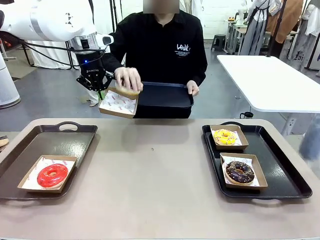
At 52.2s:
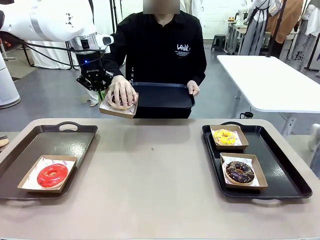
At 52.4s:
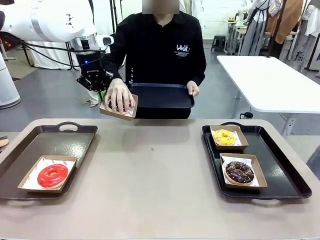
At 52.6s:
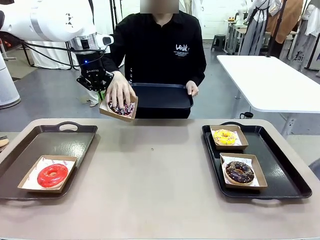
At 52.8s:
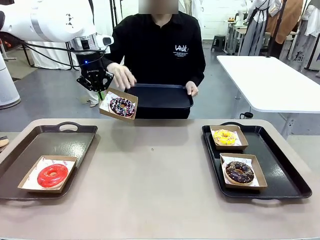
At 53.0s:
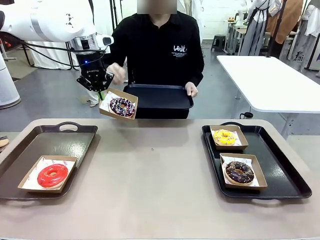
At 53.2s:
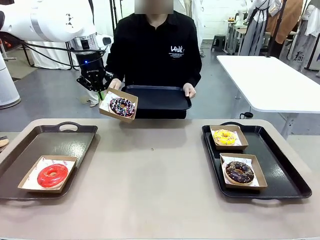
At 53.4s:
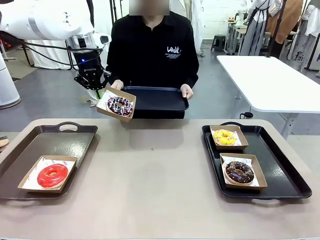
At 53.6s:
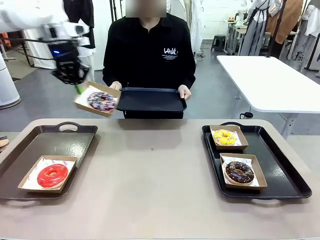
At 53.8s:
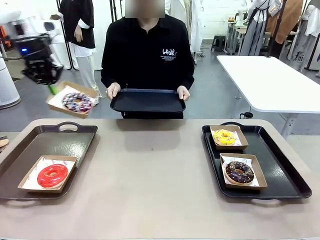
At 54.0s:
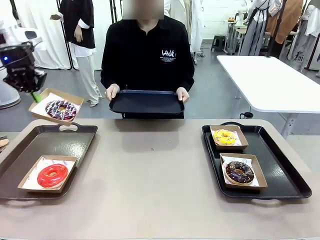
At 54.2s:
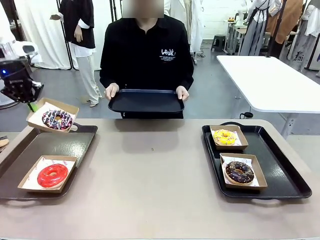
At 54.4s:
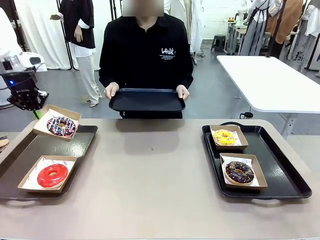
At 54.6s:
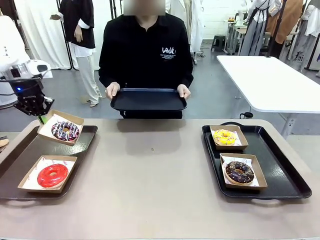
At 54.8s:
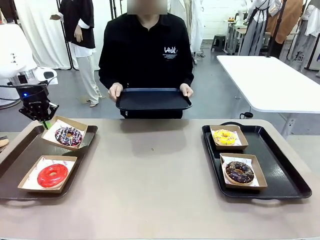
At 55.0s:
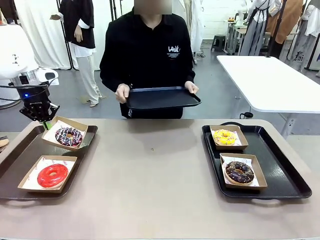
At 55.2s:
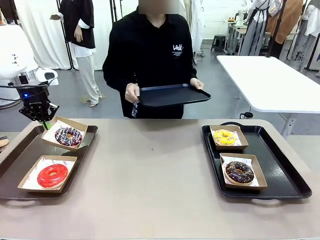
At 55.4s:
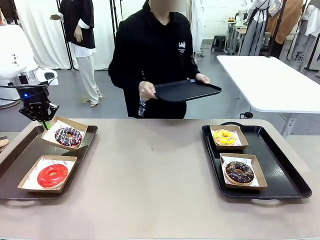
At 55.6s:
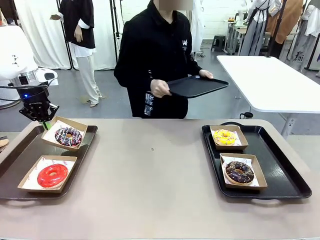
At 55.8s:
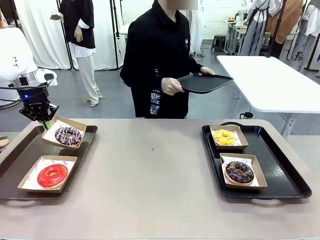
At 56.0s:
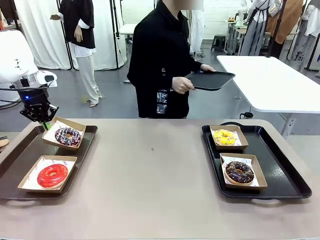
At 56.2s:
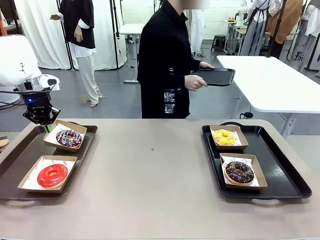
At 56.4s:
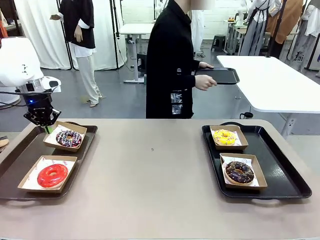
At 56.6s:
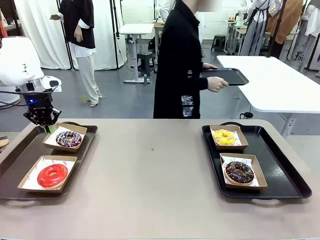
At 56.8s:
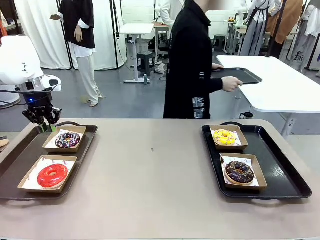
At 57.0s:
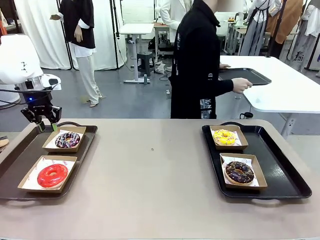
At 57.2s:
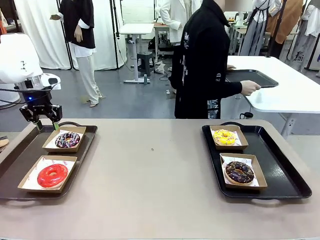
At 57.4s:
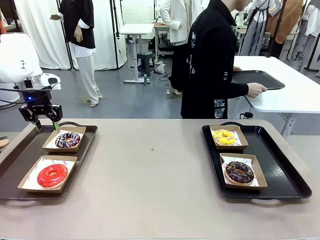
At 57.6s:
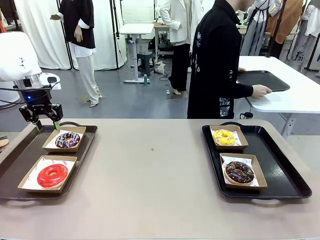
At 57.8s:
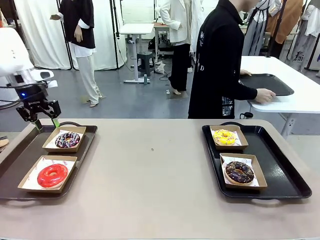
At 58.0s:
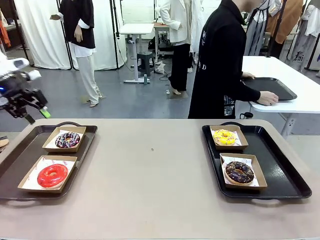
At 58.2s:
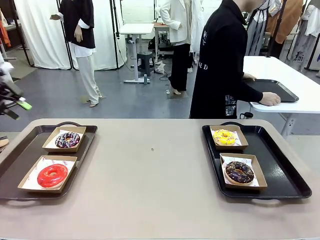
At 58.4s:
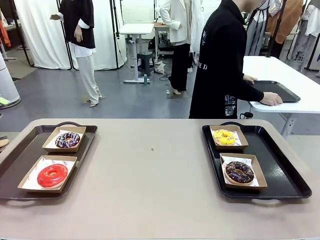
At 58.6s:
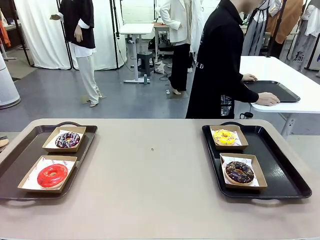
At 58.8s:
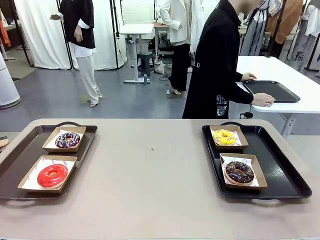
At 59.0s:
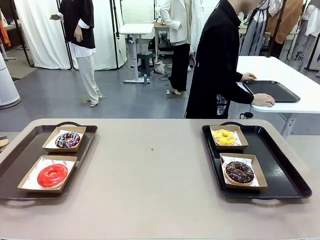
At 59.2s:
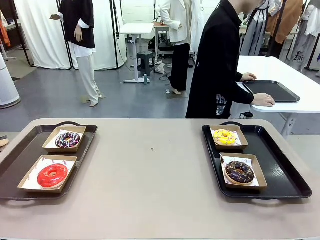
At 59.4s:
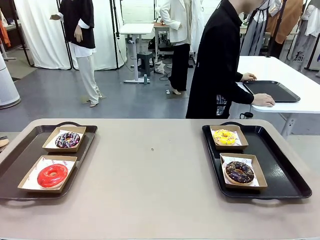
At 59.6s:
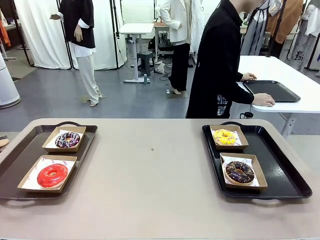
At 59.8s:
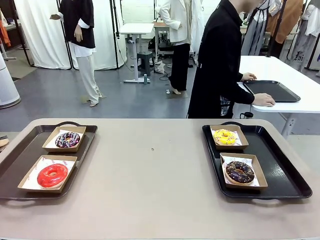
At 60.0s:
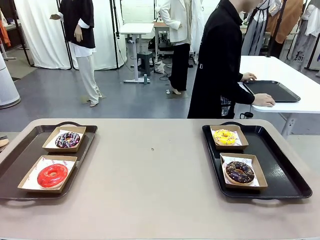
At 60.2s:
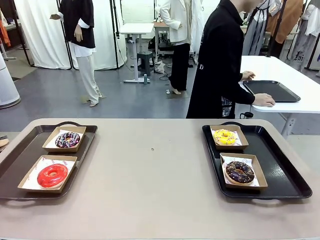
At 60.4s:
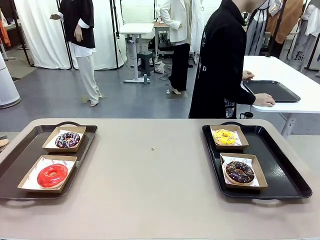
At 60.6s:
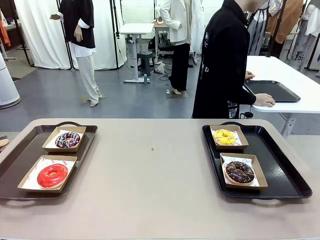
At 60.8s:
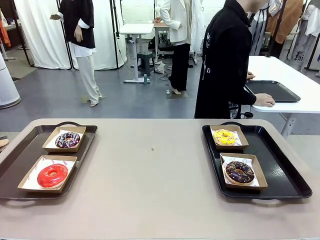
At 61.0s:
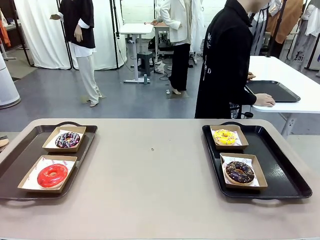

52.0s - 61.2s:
Task: Individually package the donuts and arrange them on the tray.
Robot: Place the picked Paper togo box on the Handle tray.
Person: Place the tray down in the middle of the human table.

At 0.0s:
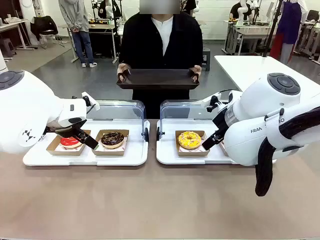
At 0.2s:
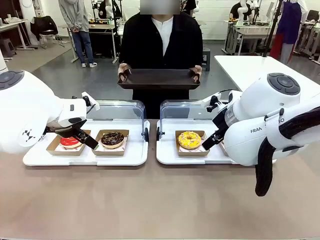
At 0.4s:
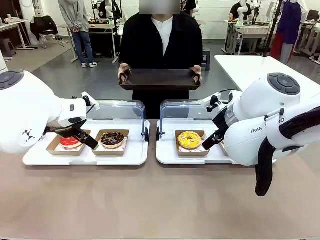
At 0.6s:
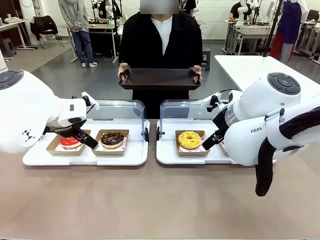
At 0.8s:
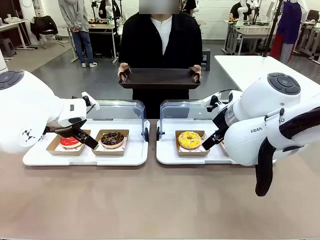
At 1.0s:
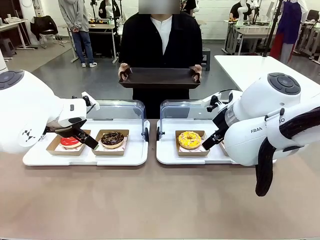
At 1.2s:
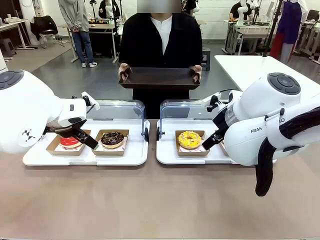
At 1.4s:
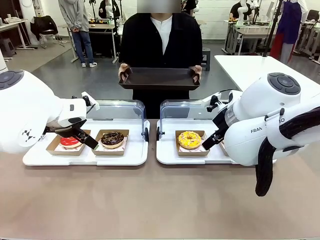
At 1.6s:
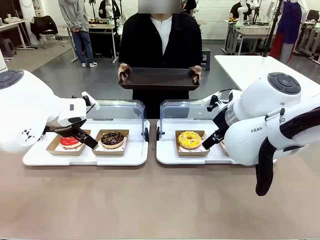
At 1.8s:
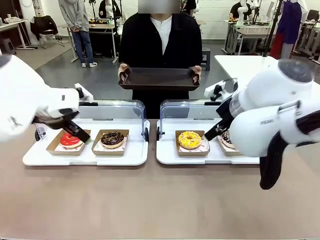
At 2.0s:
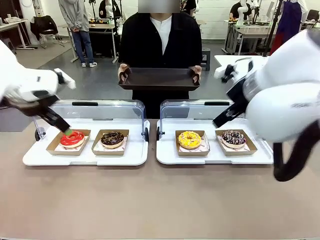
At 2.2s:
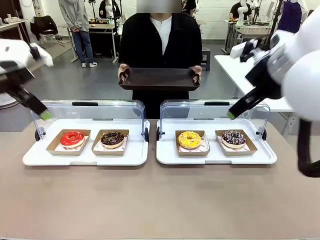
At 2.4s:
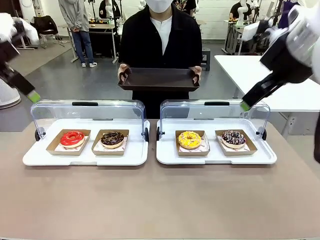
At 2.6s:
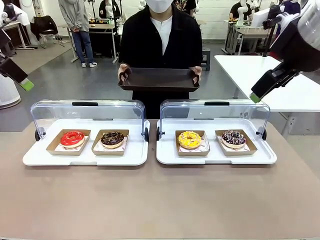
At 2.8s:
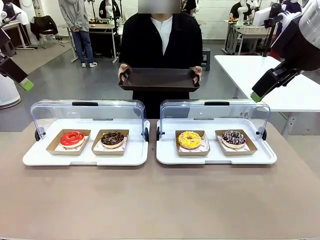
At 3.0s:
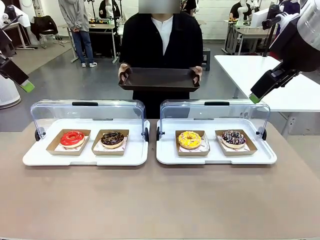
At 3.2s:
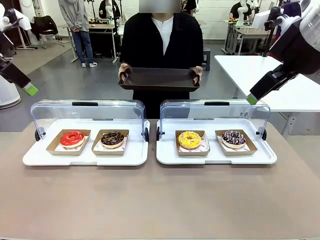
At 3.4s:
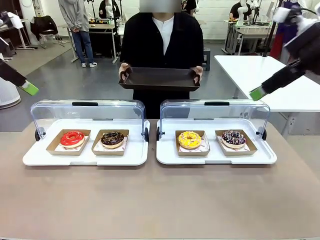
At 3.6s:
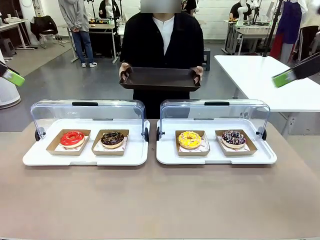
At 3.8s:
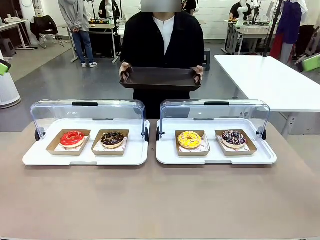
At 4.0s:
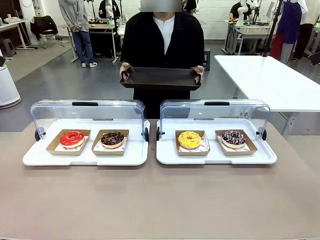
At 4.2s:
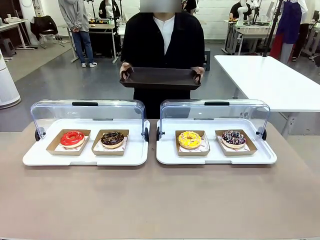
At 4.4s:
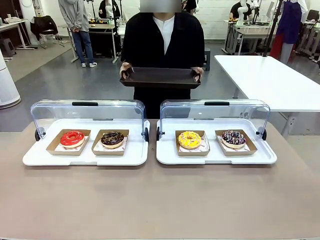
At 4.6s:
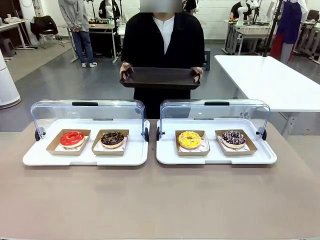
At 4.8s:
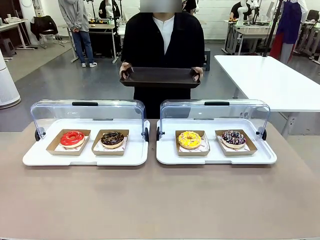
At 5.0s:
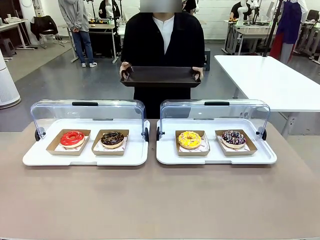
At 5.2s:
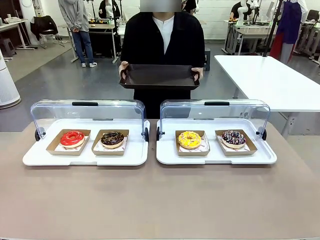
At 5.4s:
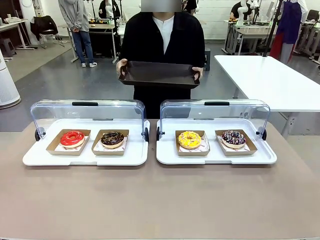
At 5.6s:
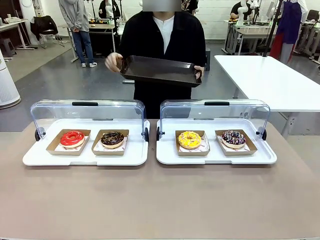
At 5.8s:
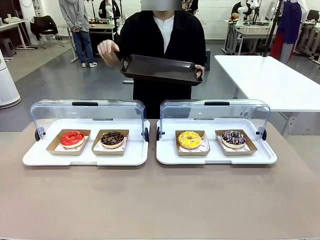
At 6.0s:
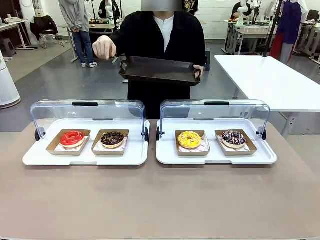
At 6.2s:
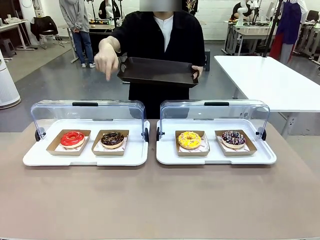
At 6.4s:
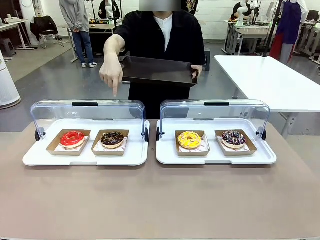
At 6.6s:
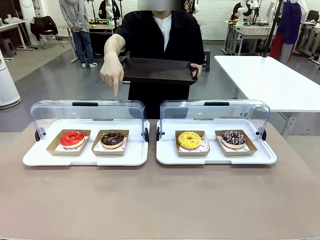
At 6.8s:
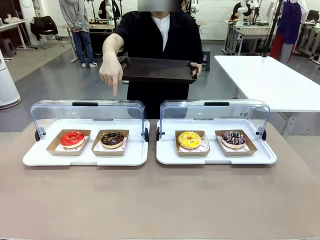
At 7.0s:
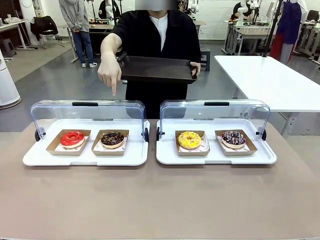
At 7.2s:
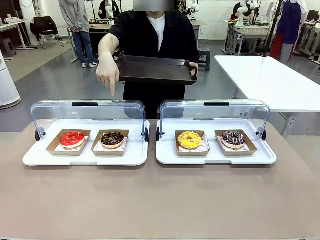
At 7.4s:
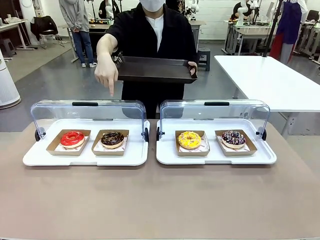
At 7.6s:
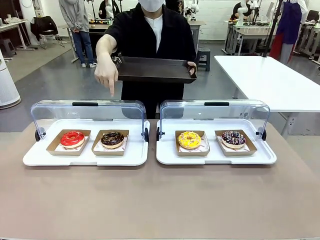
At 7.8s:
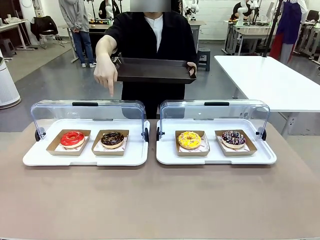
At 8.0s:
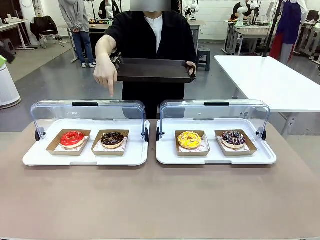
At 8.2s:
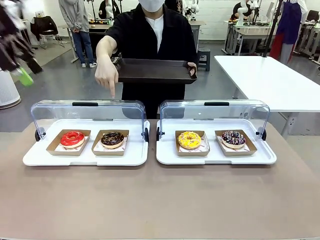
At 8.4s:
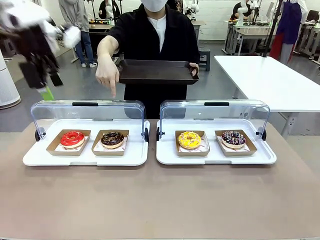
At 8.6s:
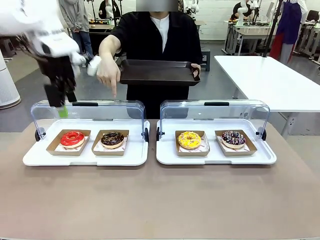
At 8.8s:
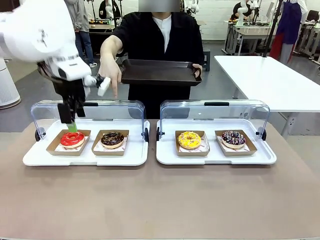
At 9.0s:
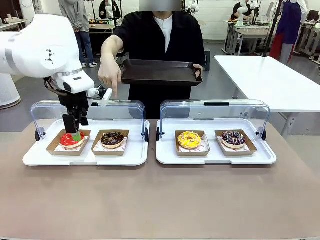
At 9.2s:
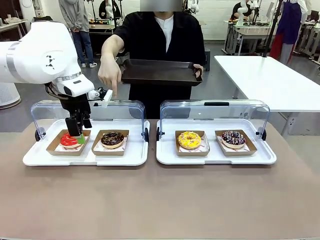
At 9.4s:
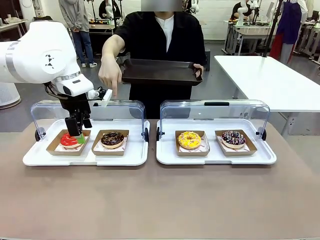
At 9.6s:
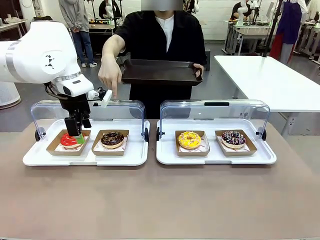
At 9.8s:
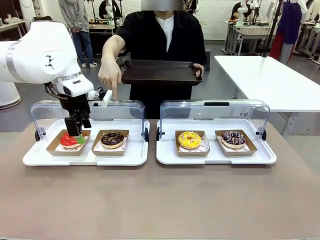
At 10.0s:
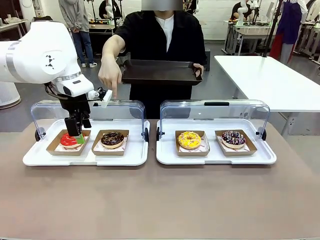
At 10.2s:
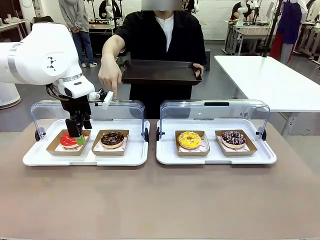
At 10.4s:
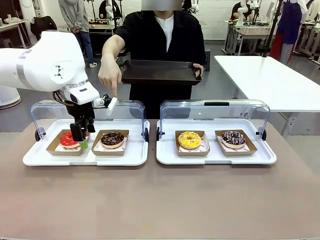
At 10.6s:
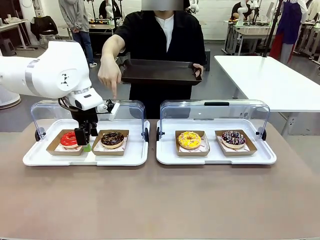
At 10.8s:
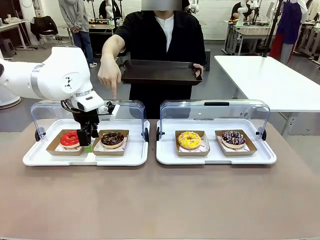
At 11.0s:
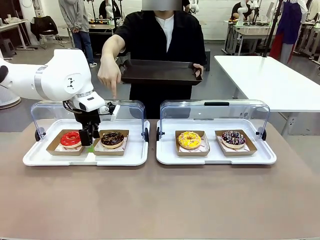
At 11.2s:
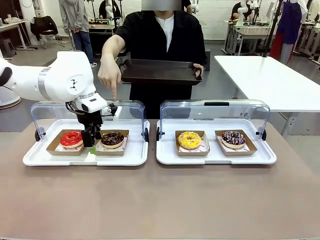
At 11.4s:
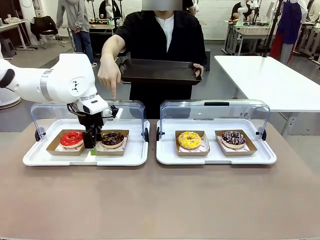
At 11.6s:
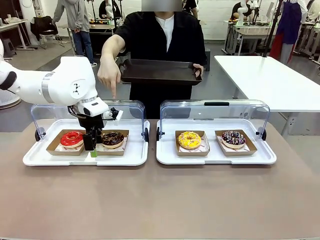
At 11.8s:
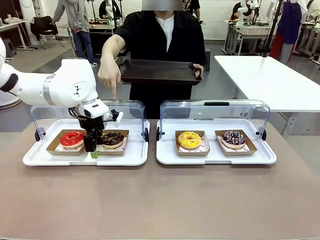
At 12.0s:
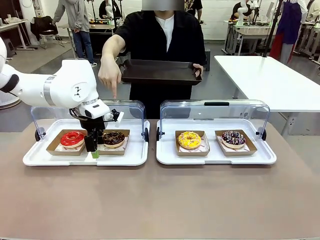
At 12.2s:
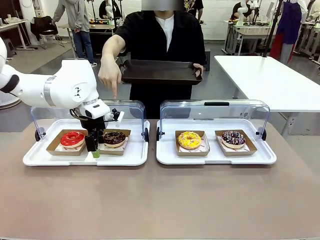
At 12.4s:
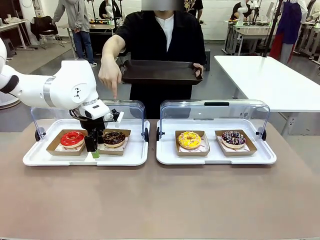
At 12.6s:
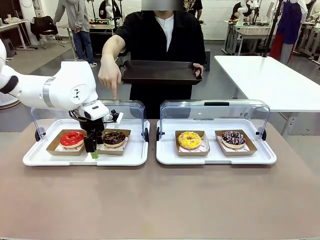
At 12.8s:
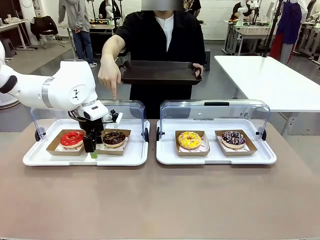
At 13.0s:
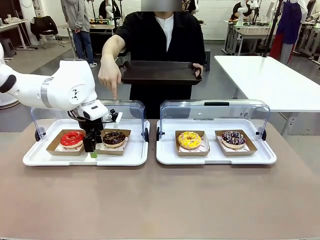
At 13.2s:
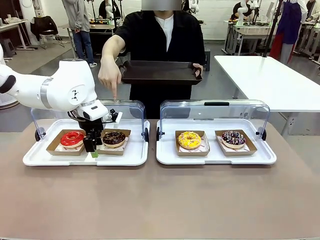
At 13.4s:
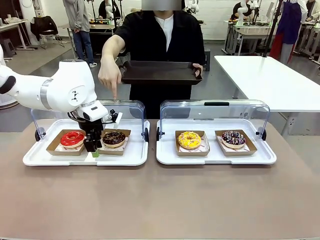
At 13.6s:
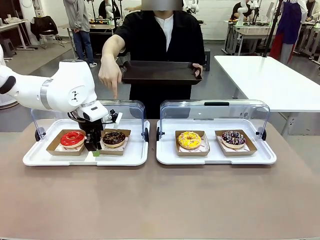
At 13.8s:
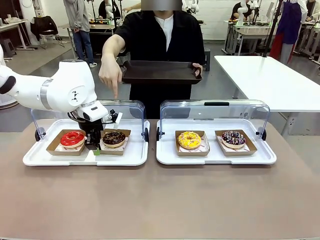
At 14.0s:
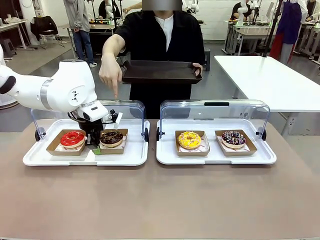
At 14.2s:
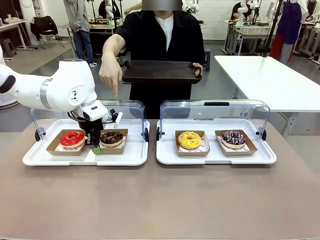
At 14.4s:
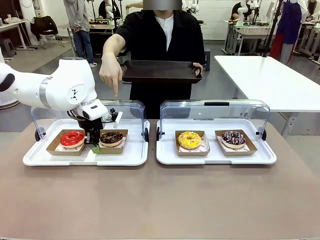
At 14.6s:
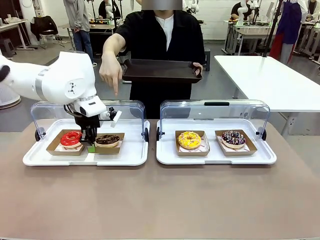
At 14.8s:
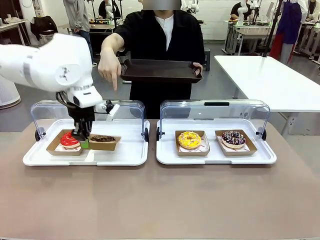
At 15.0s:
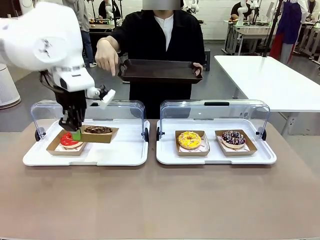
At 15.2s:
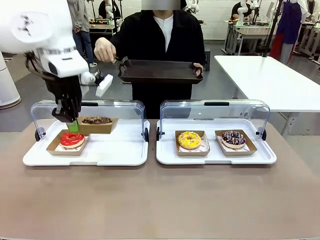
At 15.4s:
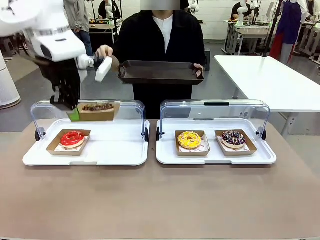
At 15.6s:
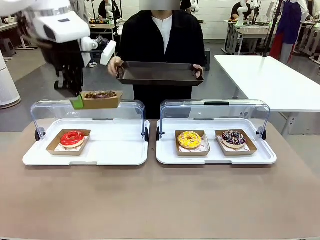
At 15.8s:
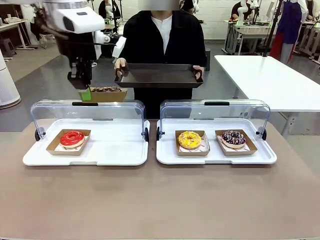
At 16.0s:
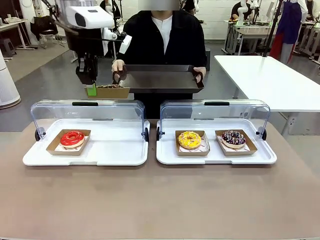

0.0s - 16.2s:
Task: Provide the desired donut to the person.
Robot: Pick up and lift the Paper togo box containing the Donut pointed at by the person.
Person: Point to one donut. Lift the tray onto the Roll-Top Bakery Case.
